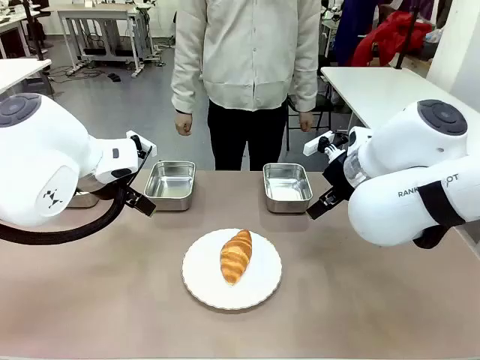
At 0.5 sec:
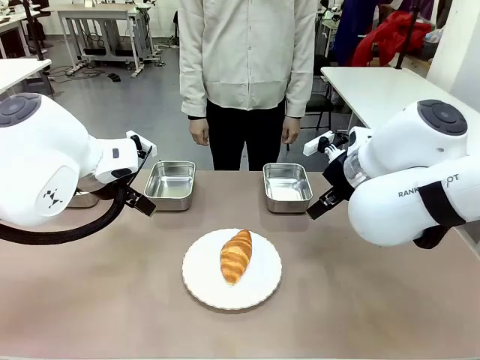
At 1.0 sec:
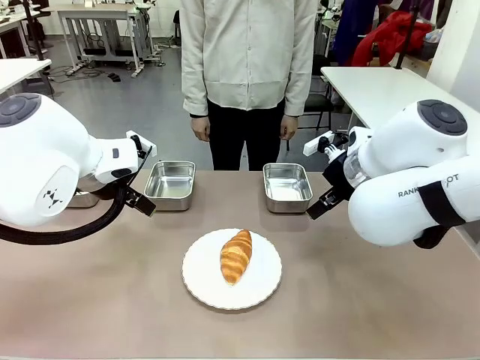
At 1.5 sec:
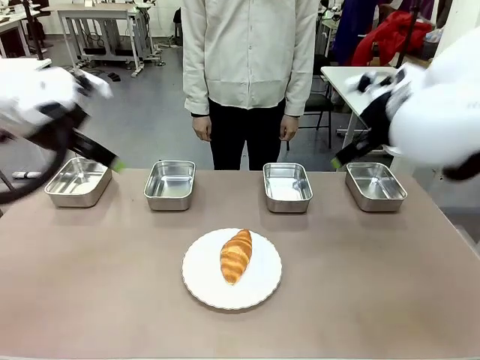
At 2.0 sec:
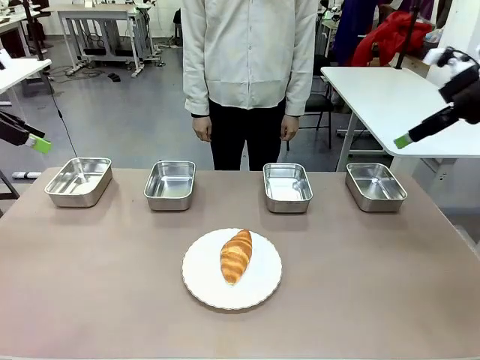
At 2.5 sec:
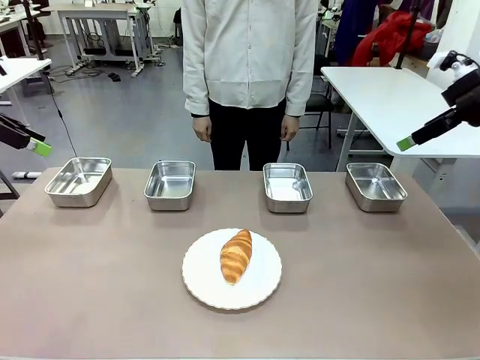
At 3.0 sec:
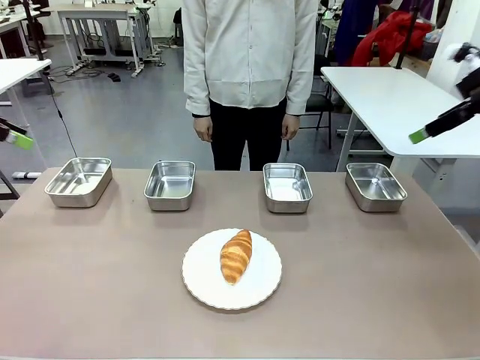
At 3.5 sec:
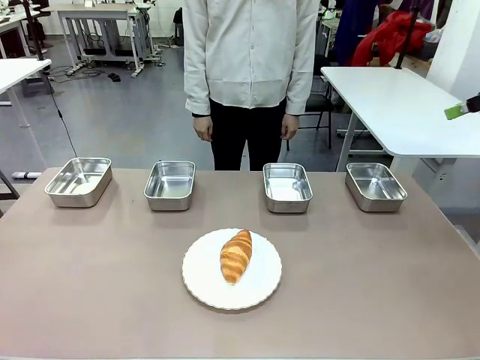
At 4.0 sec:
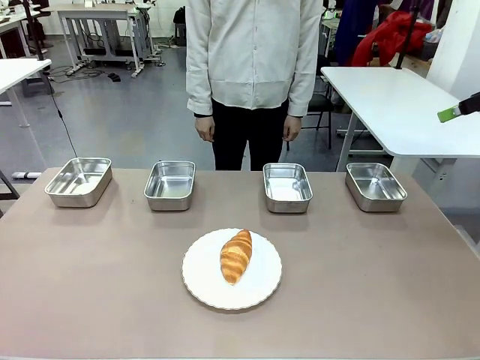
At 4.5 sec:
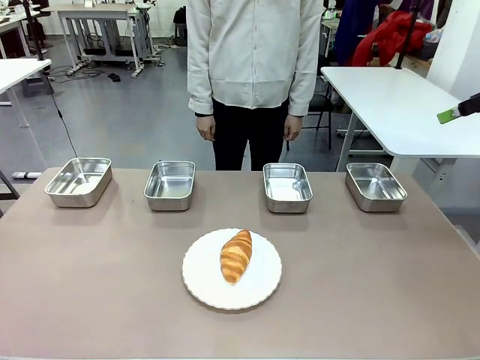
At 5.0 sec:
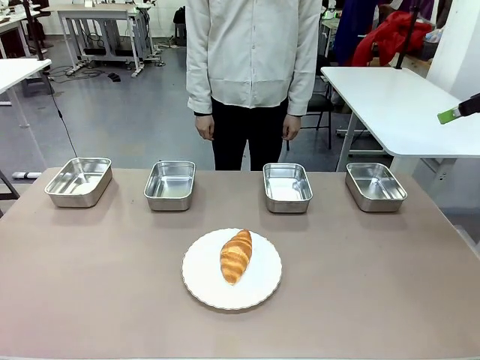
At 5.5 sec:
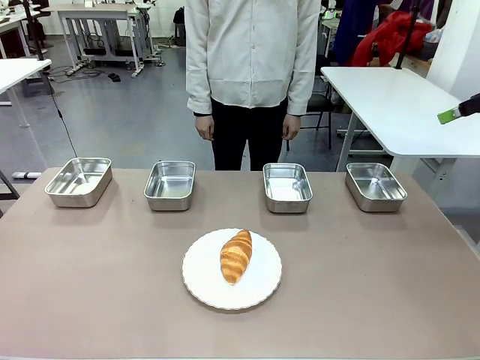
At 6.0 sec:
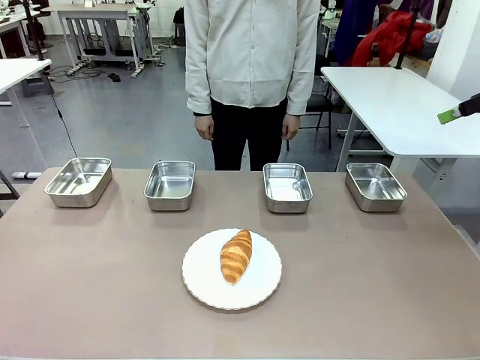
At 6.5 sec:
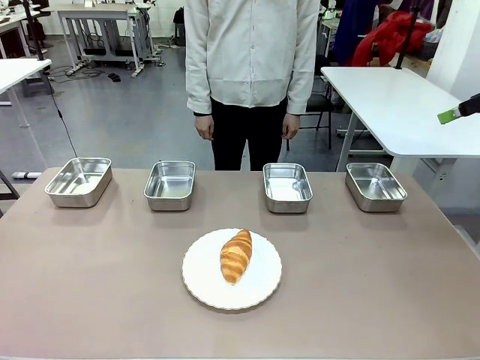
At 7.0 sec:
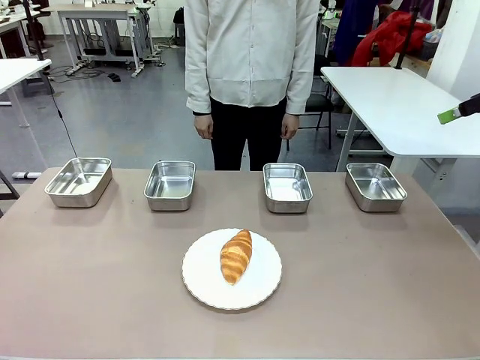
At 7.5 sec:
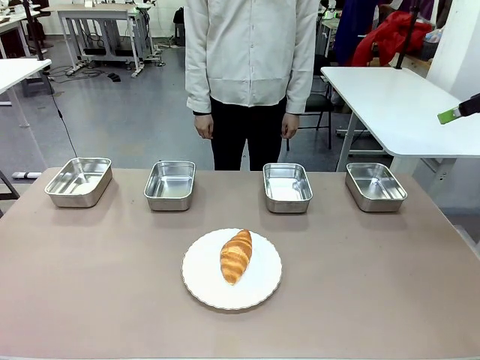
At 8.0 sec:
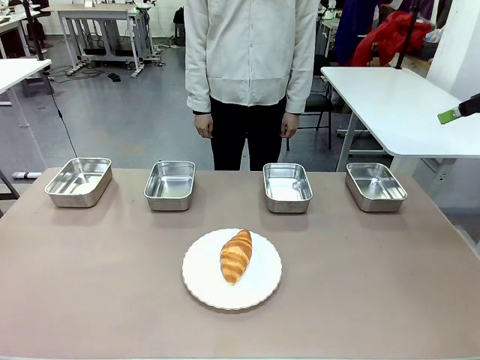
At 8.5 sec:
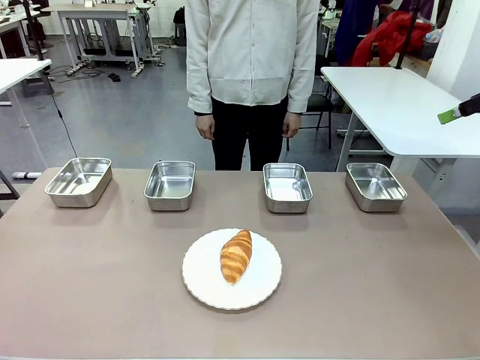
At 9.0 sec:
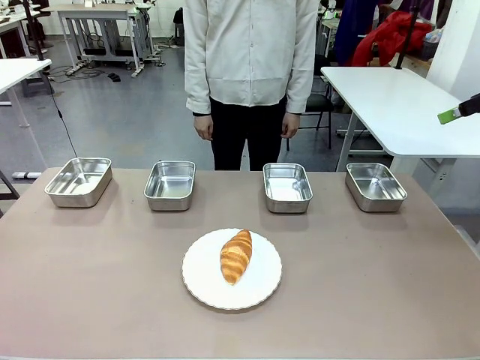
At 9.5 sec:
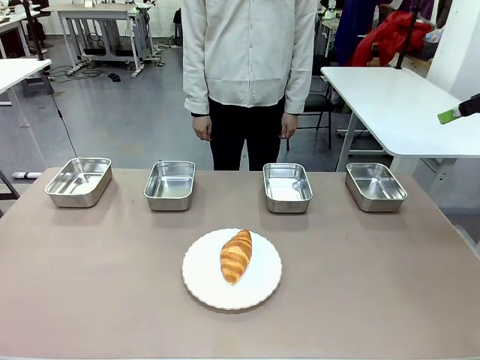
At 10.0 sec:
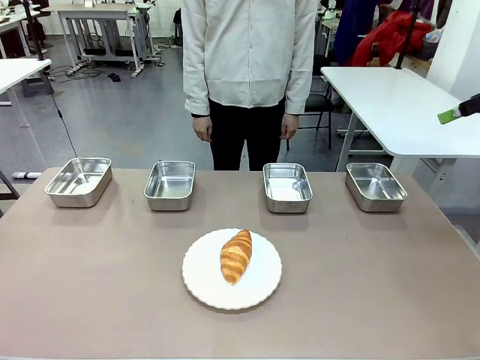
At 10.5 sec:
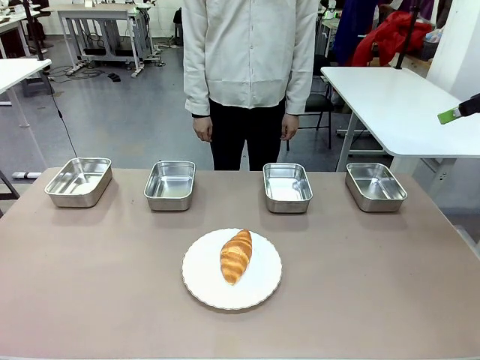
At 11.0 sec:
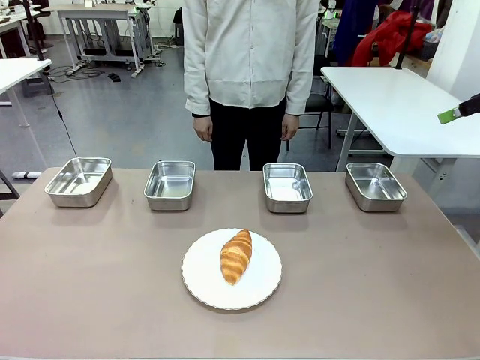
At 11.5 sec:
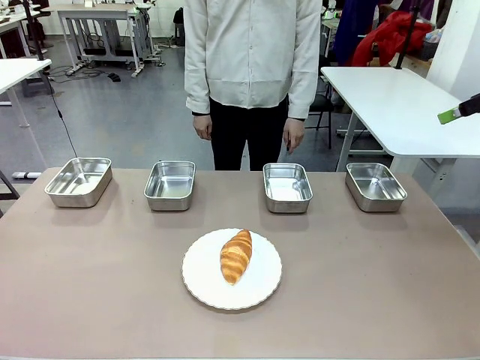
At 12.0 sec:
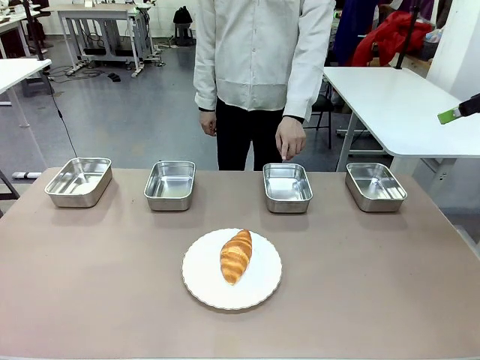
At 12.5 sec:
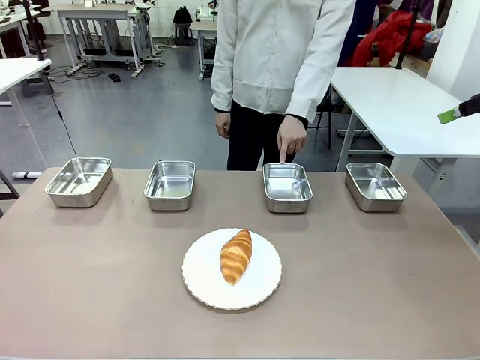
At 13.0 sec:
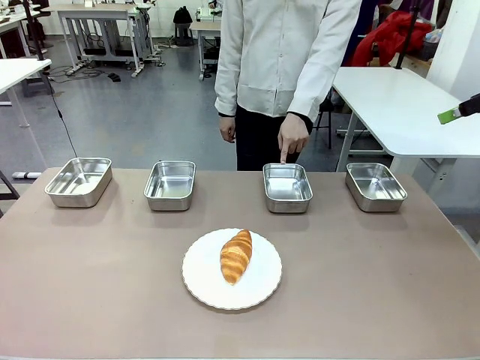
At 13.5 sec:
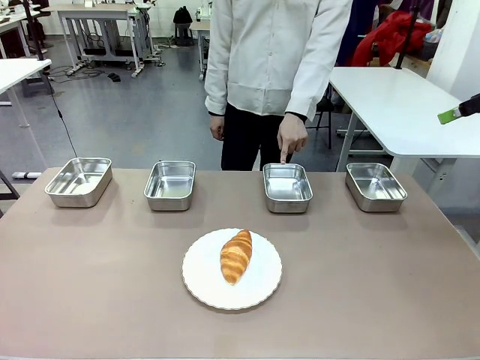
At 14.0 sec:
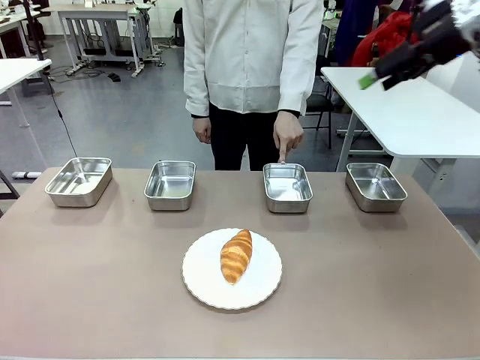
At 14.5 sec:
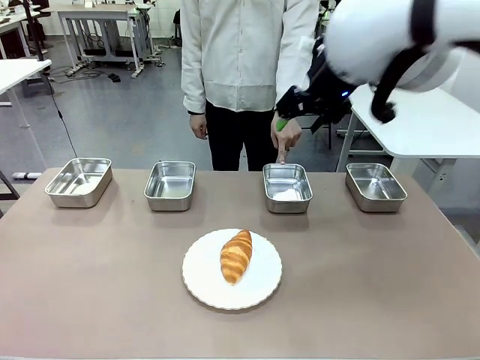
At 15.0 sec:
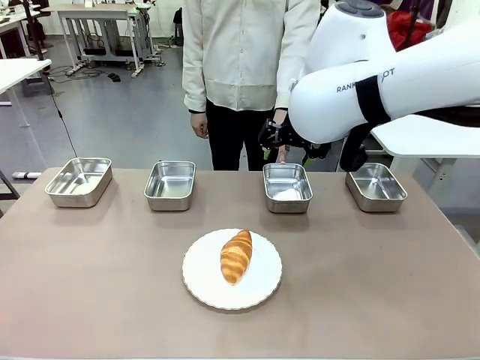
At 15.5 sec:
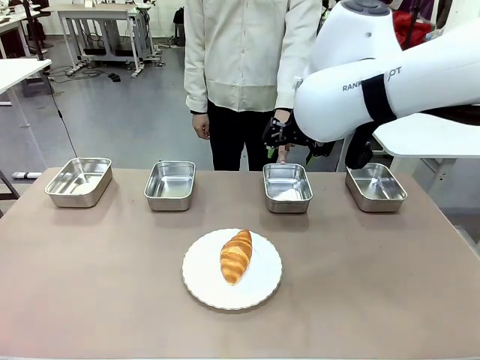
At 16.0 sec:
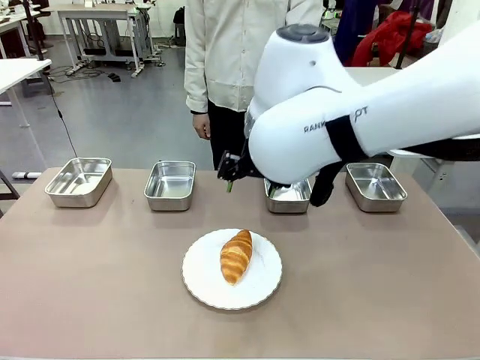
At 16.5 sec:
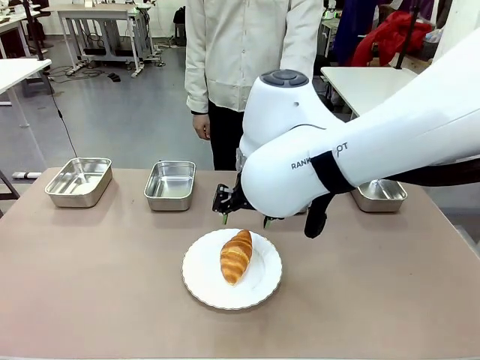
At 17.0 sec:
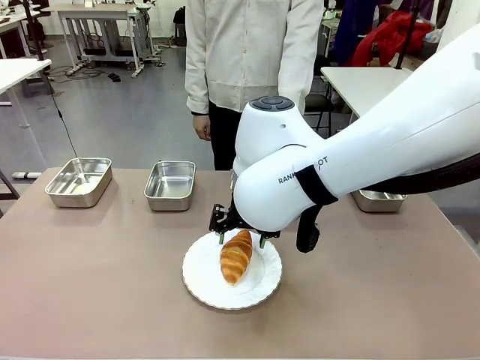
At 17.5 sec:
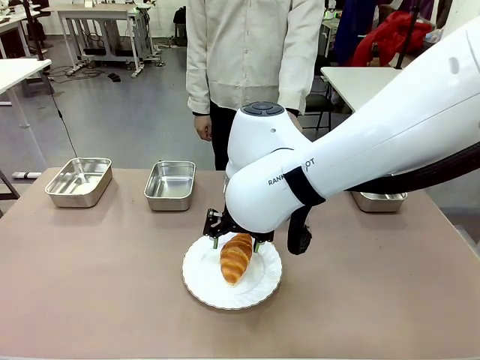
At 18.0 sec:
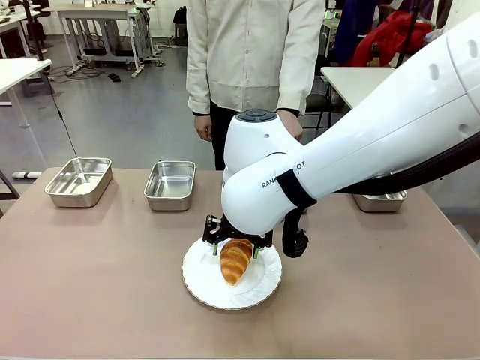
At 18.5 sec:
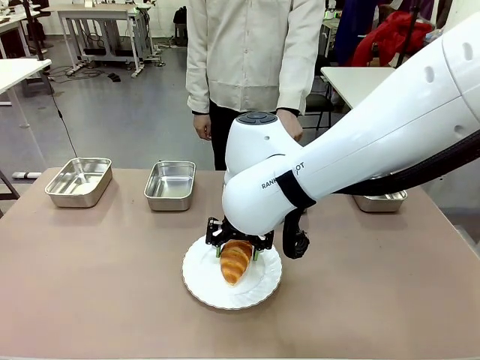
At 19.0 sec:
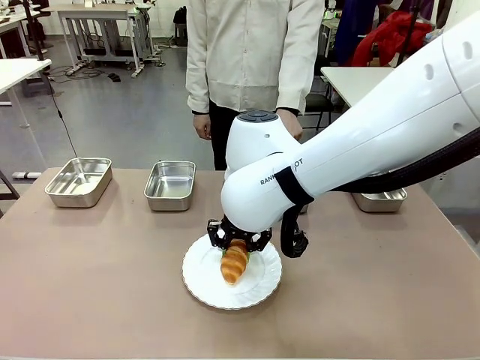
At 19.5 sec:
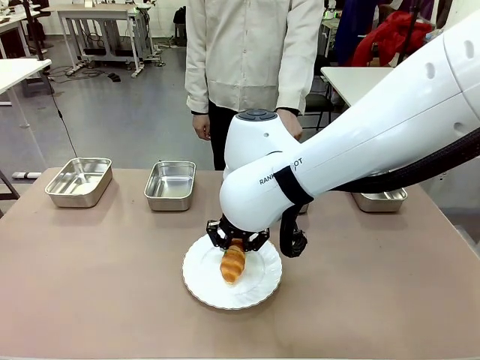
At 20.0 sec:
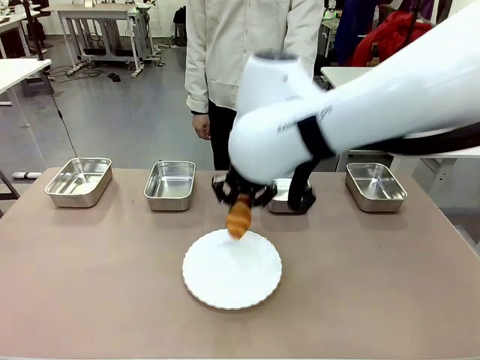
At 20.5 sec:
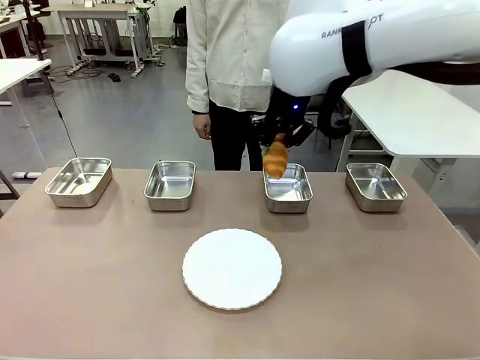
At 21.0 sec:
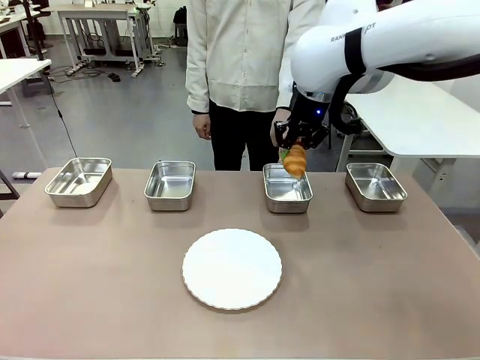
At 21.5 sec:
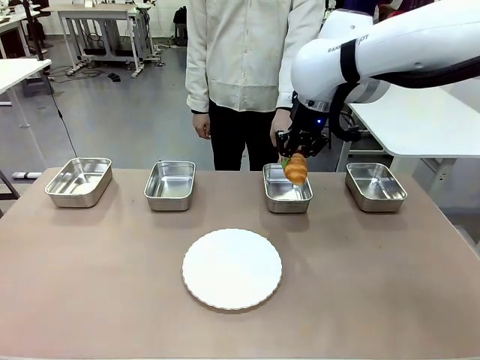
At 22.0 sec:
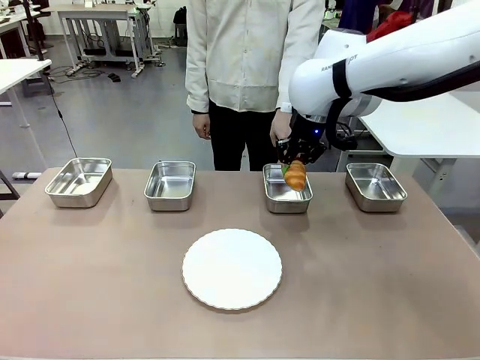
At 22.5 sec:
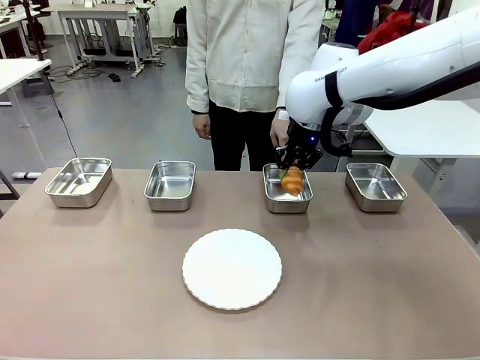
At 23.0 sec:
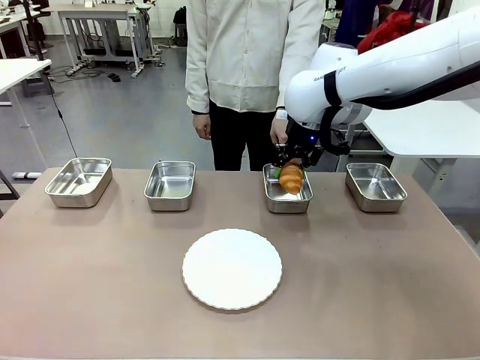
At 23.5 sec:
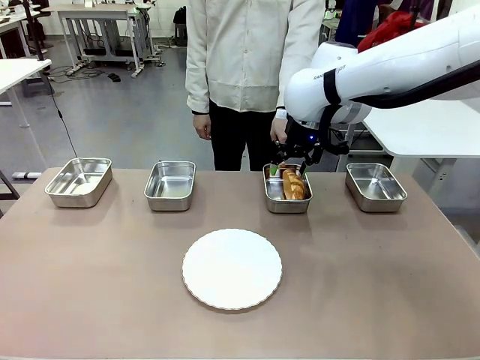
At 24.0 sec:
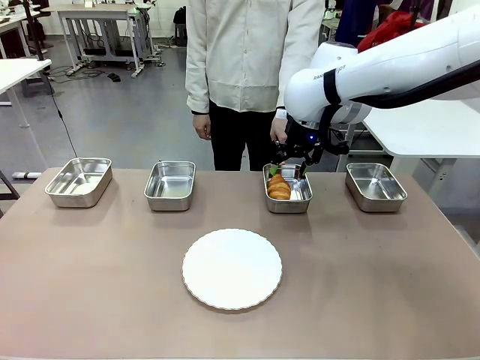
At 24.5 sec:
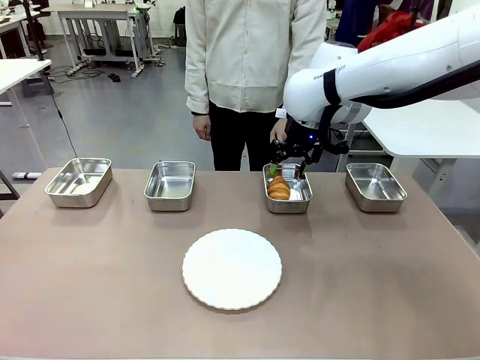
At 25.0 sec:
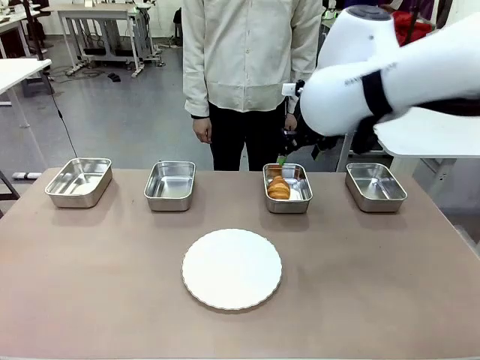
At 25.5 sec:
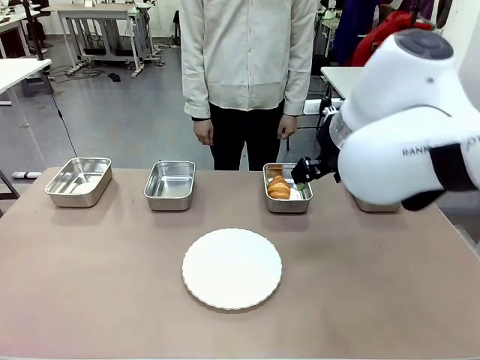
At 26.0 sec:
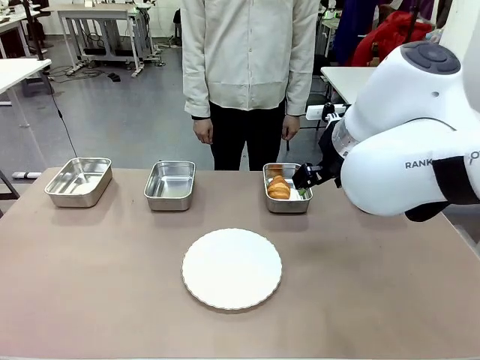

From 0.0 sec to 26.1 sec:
Task: Place the bread in the container.
Robot: Place the Butter Roll into the Airtight Container indicated by the human.
Person: A person randomly selects and points to an Airtight Container.
